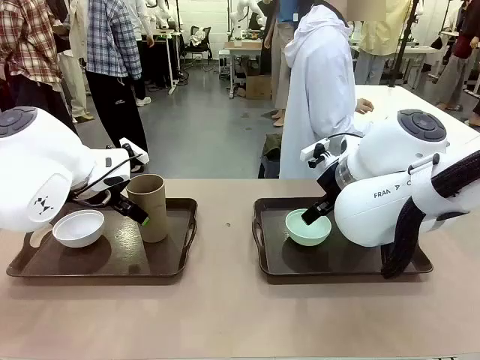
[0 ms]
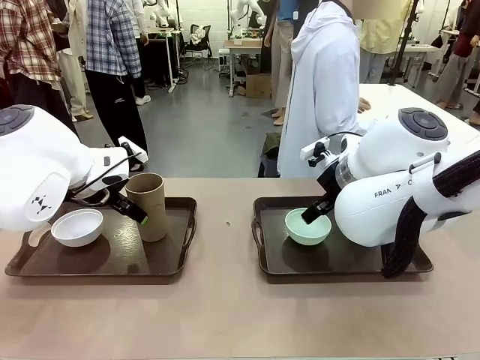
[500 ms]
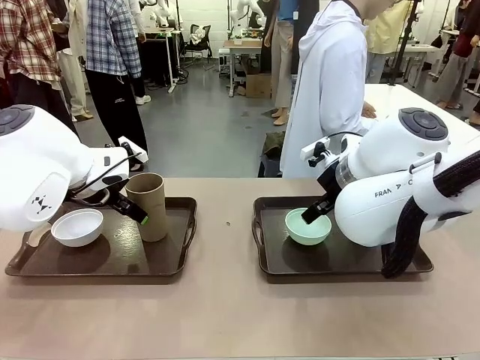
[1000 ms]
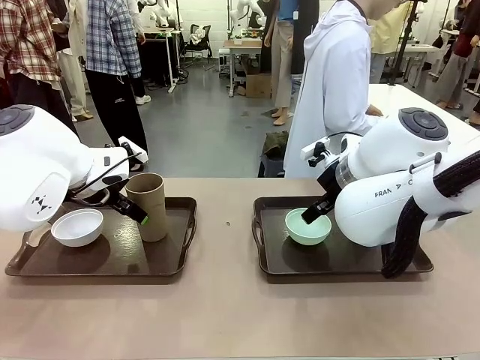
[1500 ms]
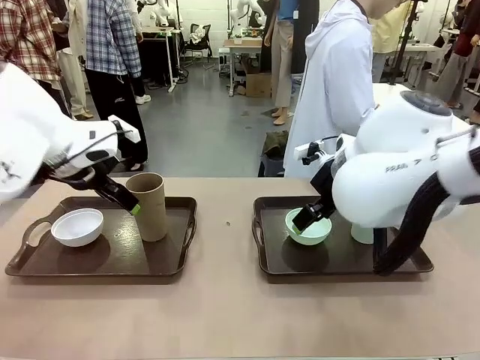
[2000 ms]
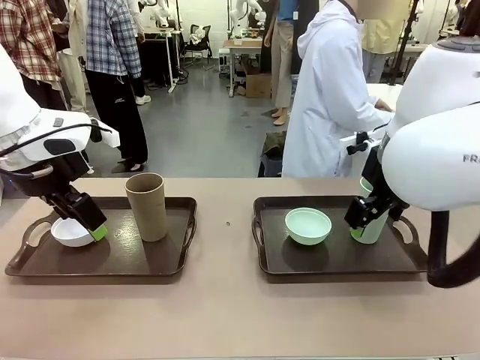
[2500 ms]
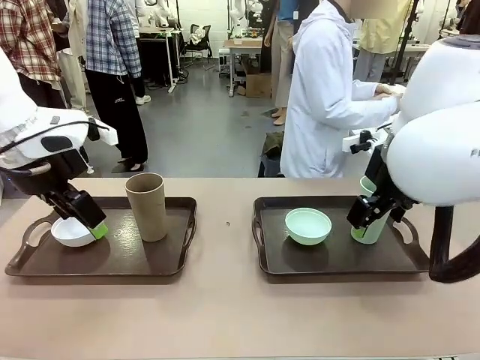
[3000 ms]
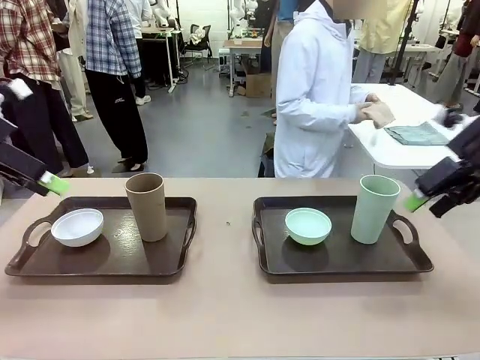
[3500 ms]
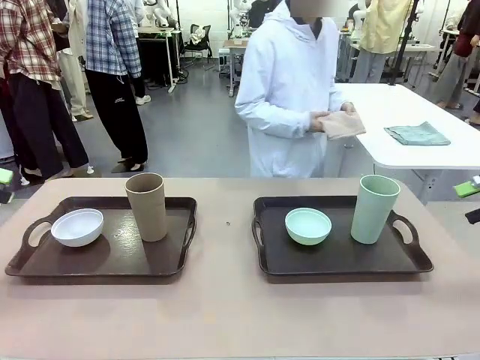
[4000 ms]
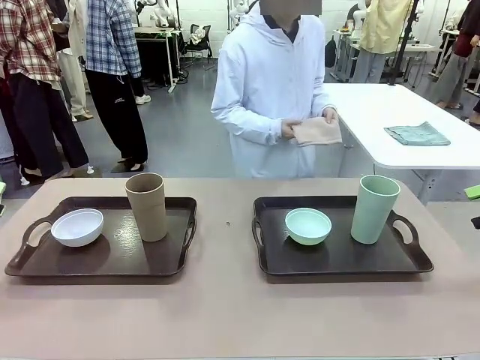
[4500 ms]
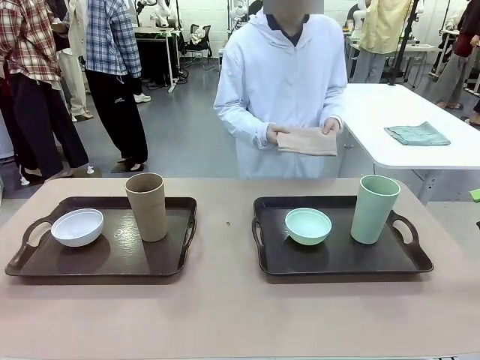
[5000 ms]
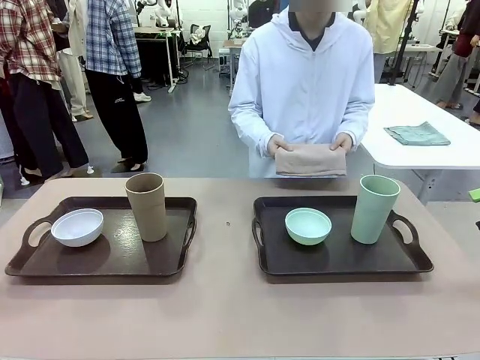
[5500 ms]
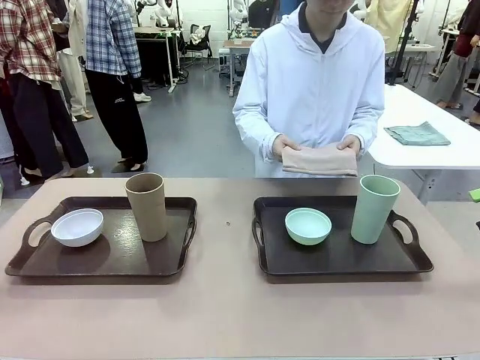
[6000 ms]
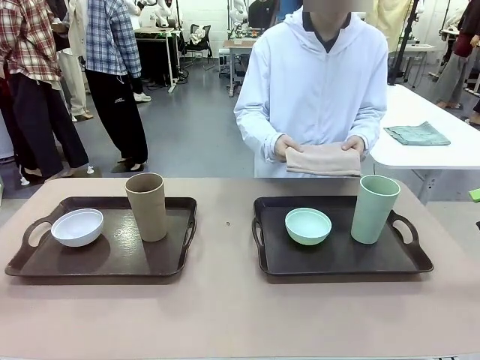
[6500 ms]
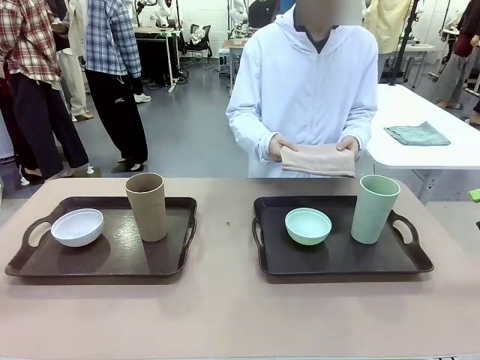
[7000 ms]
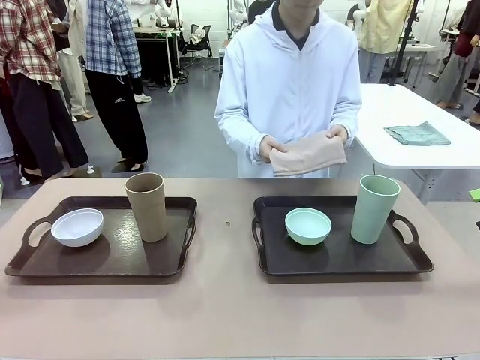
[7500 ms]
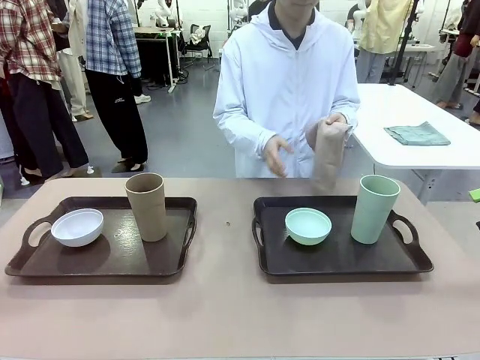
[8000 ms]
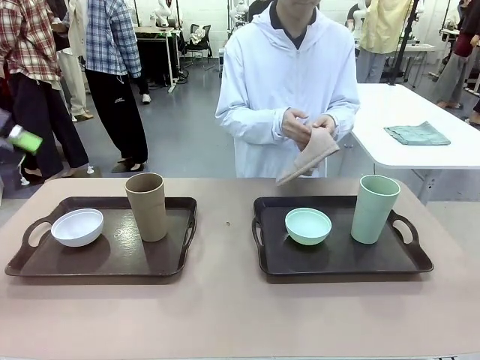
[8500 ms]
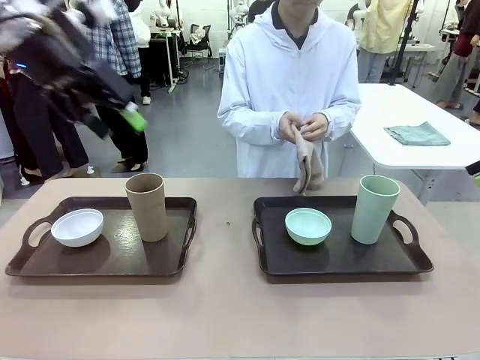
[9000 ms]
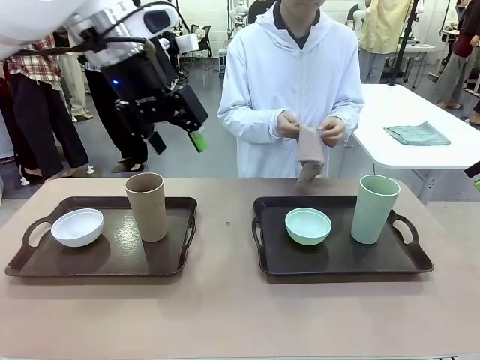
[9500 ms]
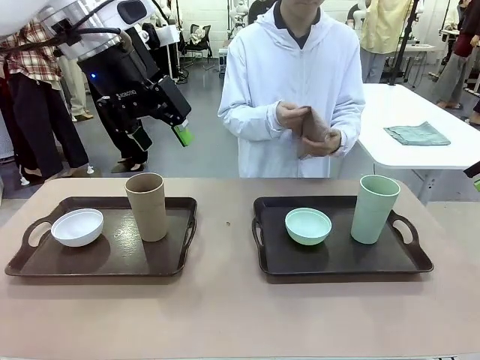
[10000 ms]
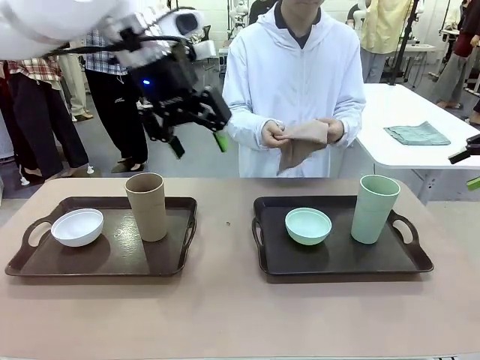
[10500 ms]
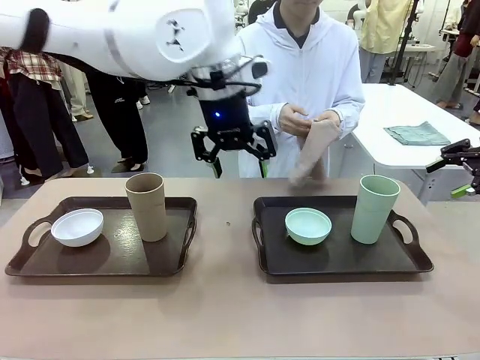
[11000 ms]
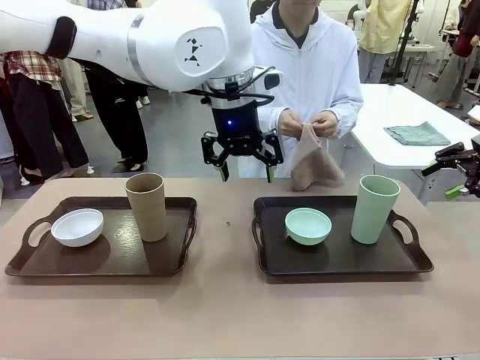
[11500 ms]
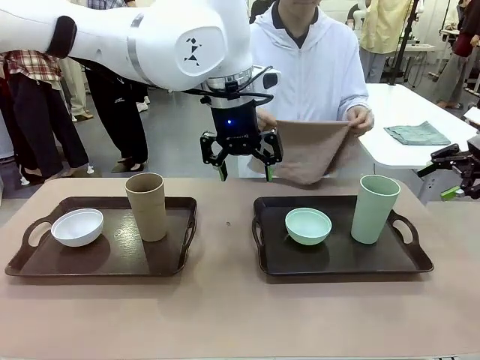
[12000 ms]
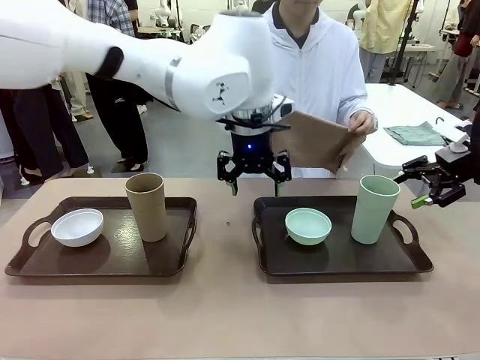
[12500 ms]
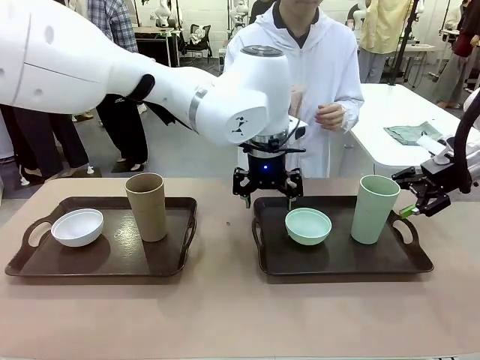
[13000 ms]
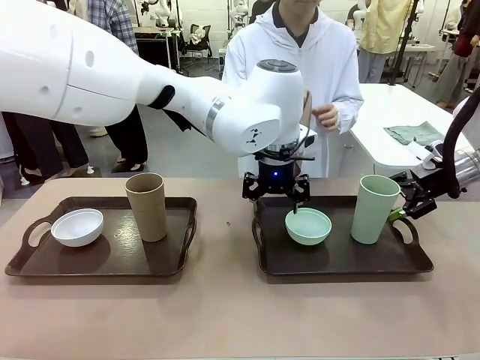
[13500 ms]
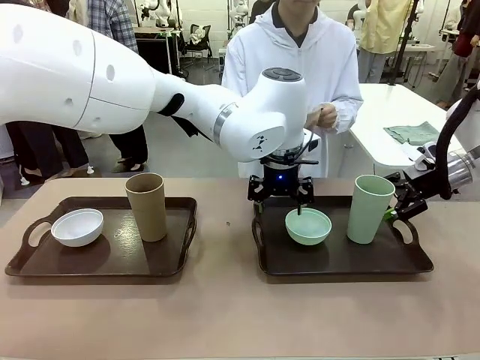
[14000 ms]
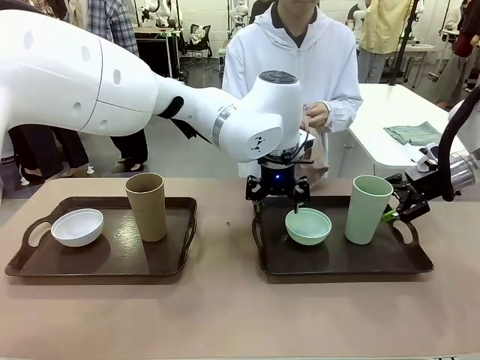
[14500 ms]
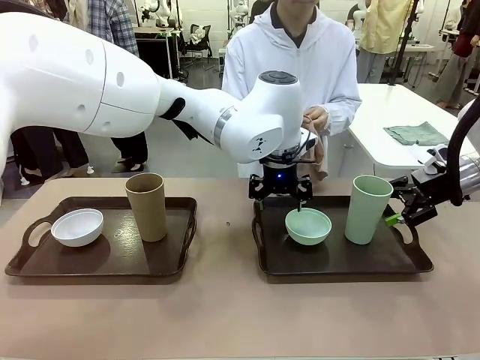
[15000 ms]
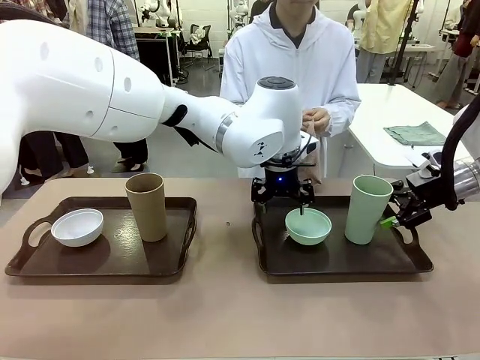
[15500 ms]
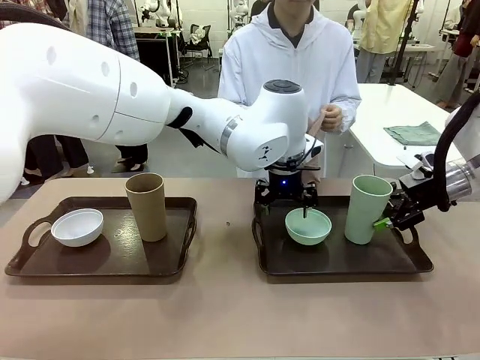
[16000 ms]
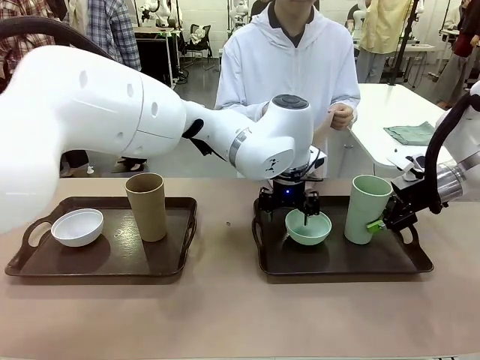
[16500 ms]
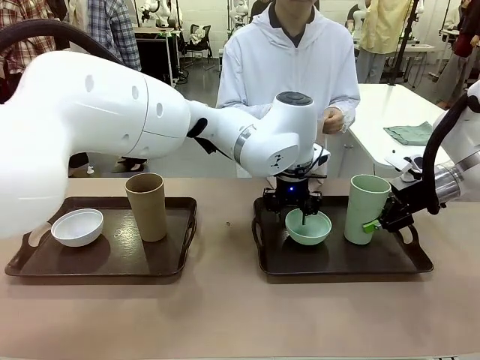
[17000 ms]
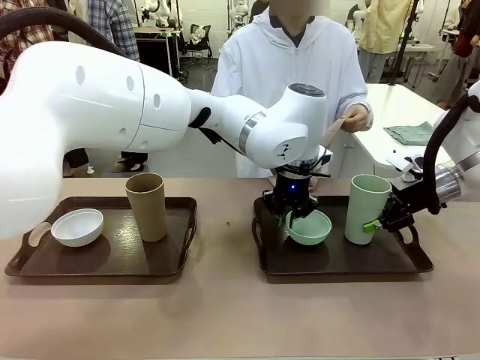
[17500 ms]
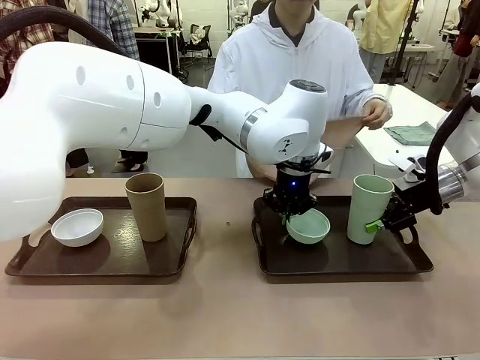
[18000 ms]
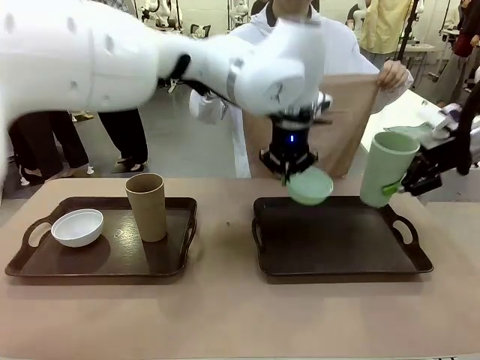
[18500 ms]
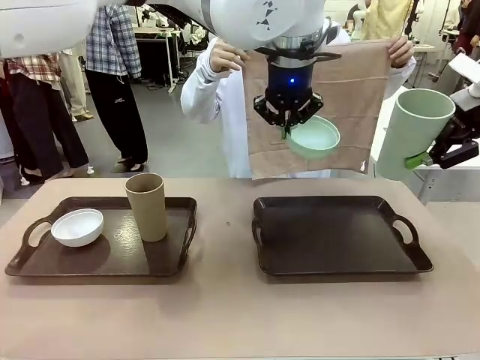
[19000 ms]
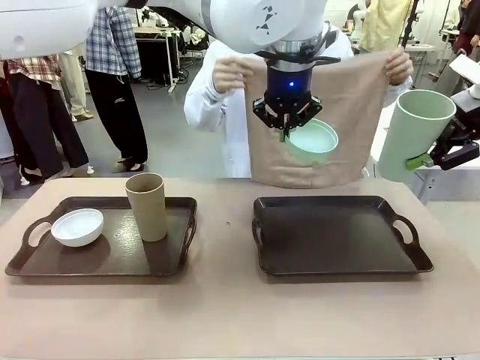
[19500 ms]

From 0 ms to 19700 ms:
Robot: Pick up the Picnic Bowl and Reusable plastic cup from the Handle tray in front of the human's position and hold them in the air.
Person: The human picks up the top napkin from the stack on the human table and walks to the robot table to stand in front of one of the two trays. When the robot lifts the bowl and the cup, the human unfolds the napkin and lays the napkin flat on the tray.

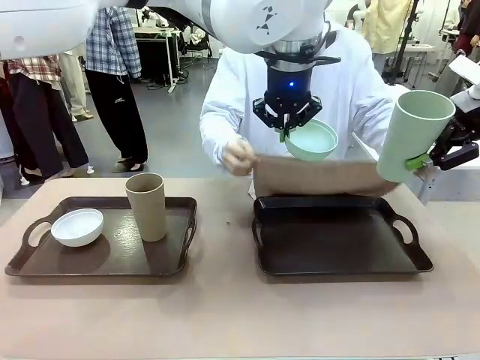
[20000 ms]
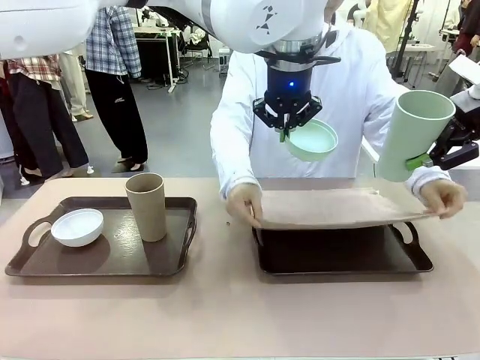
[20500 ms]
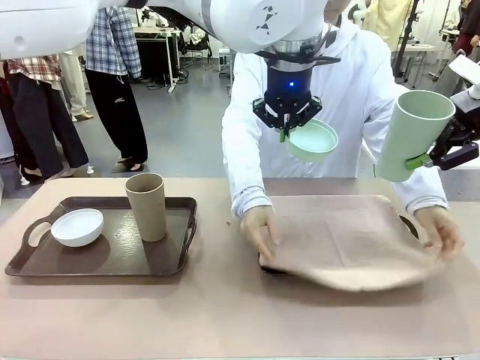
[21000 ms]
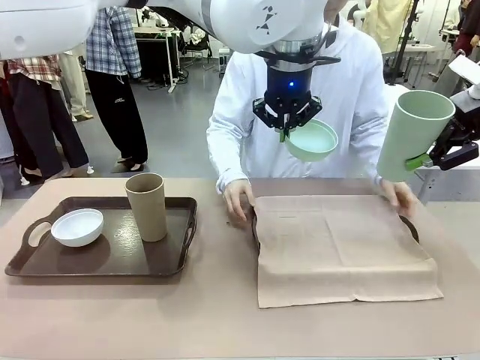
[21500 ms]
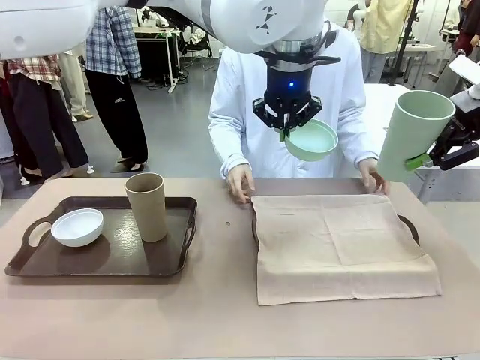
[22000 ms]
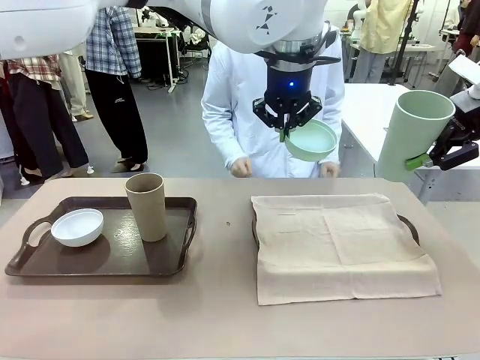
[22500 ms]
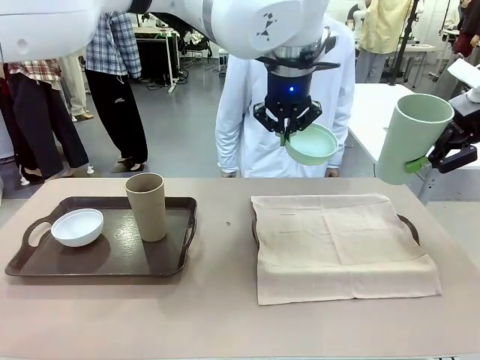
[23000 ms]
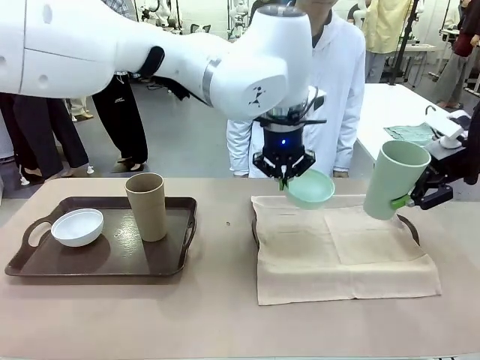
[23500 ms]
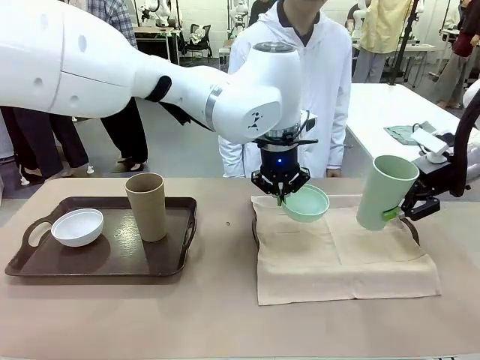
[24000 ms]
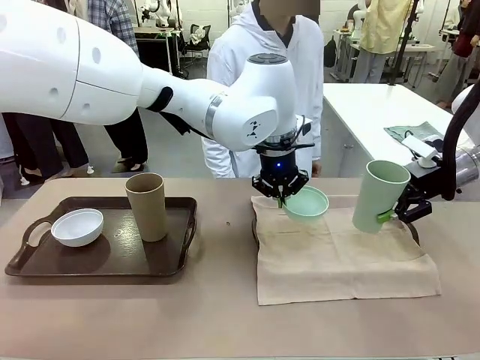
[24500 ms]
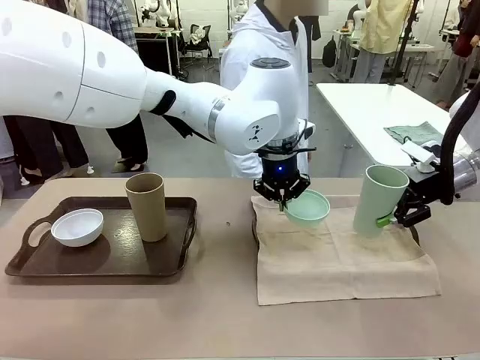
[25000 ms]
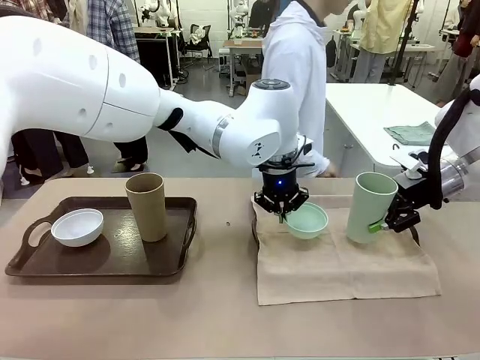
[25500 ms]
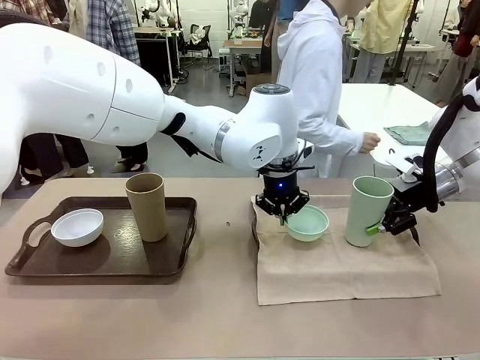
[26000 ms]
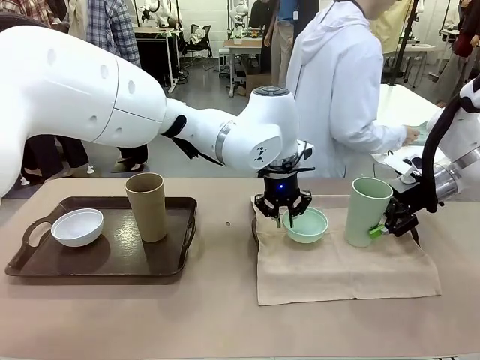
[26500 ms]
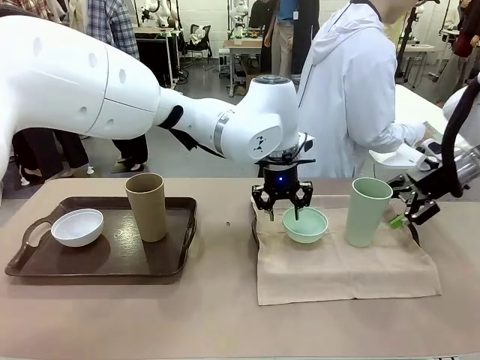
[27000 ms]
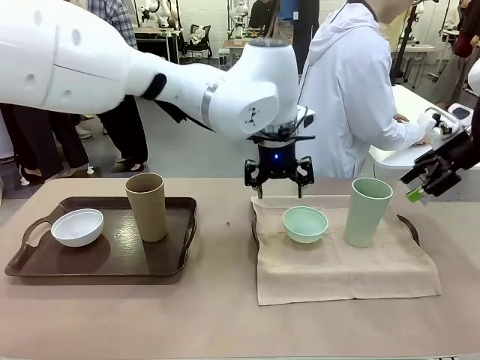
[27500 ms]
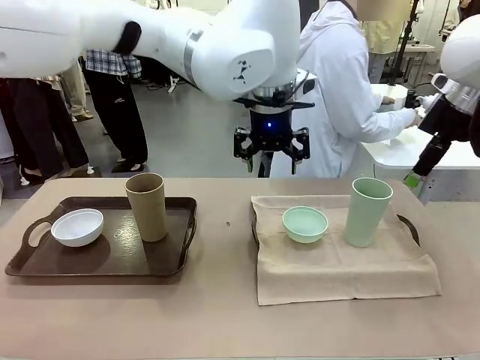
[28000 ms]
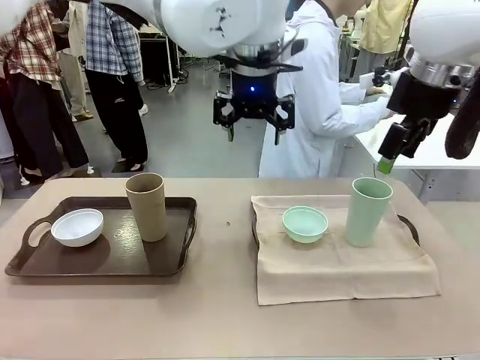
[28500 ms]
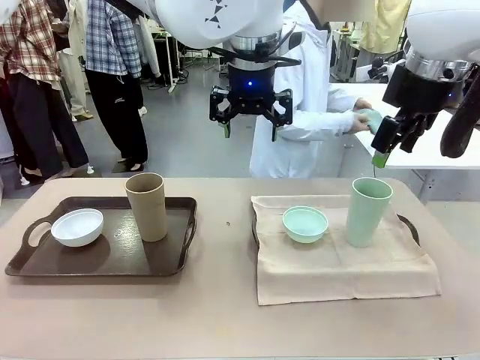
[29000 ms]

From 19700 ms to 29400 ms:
Robot: Place the Picnic Bowl and Reusable plastic cup back onto the Handle tray in front of the human's position.
Person: The human returns to the human table to pick up another napkin and walks to the robot table to stand in front of the tray without a napkin.
